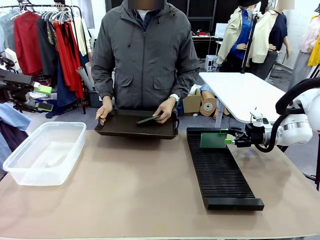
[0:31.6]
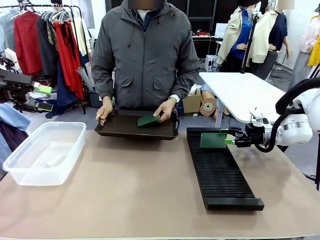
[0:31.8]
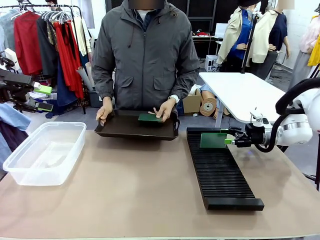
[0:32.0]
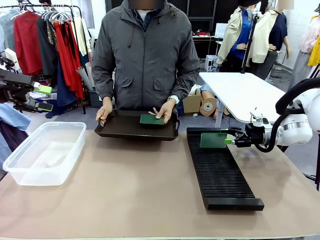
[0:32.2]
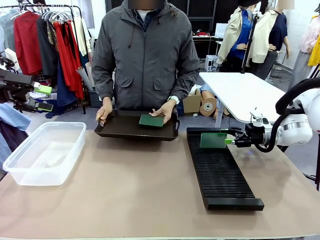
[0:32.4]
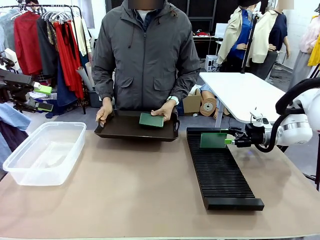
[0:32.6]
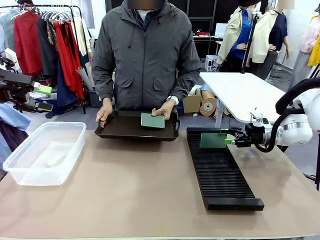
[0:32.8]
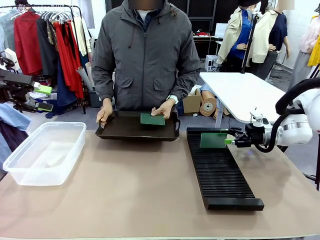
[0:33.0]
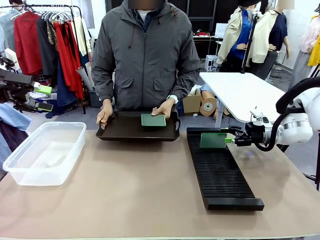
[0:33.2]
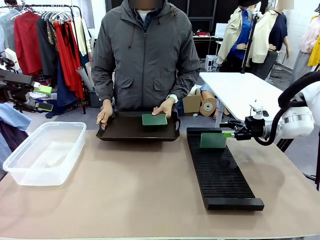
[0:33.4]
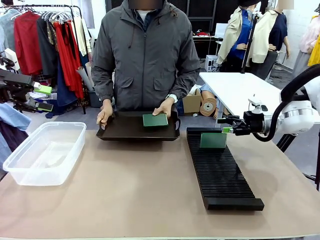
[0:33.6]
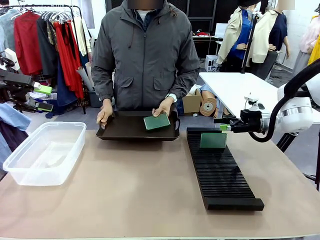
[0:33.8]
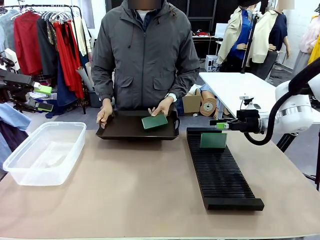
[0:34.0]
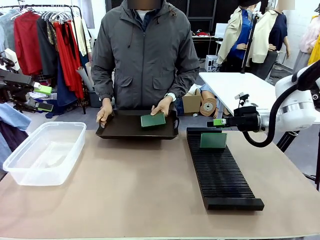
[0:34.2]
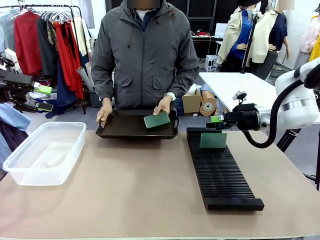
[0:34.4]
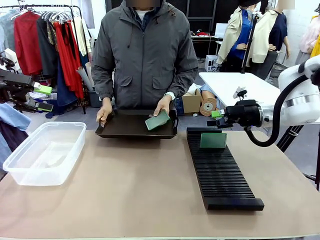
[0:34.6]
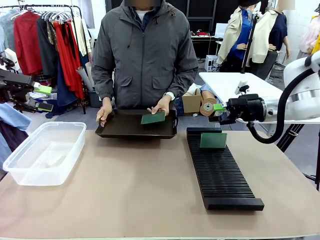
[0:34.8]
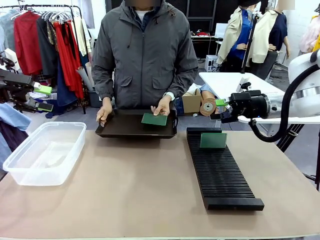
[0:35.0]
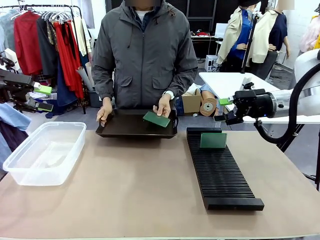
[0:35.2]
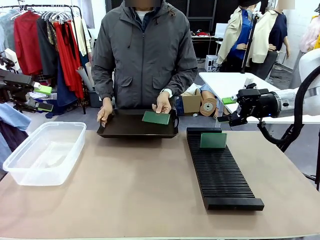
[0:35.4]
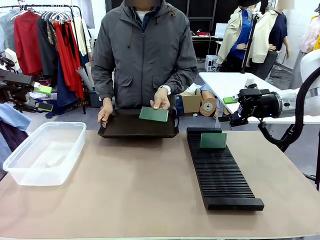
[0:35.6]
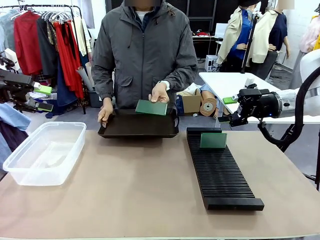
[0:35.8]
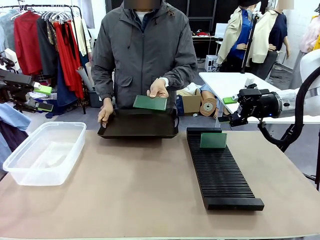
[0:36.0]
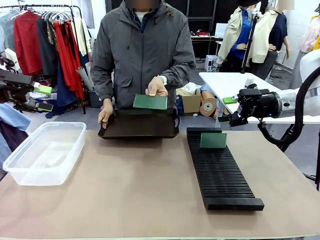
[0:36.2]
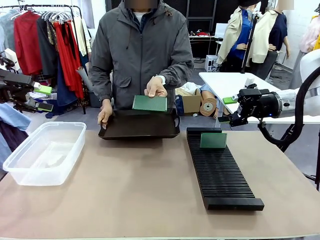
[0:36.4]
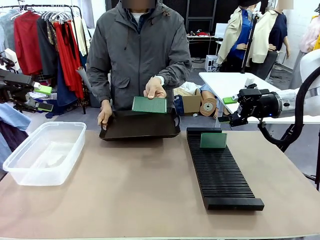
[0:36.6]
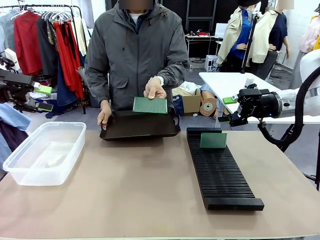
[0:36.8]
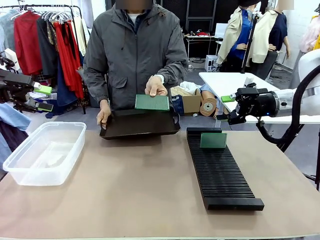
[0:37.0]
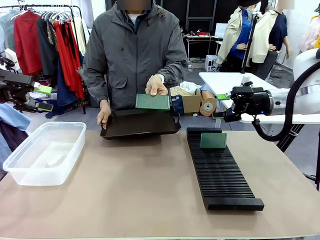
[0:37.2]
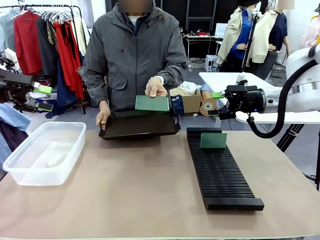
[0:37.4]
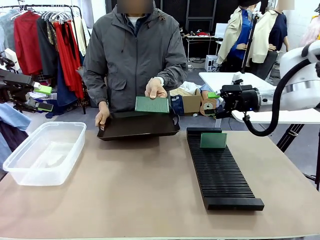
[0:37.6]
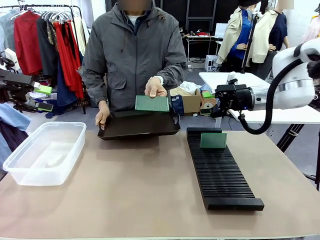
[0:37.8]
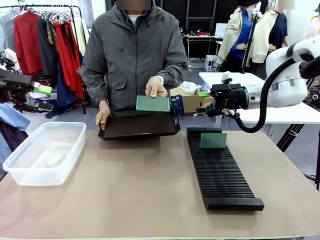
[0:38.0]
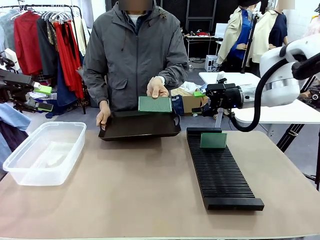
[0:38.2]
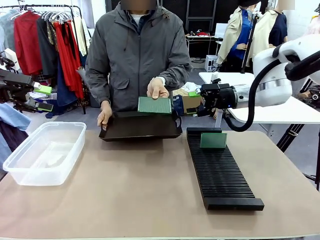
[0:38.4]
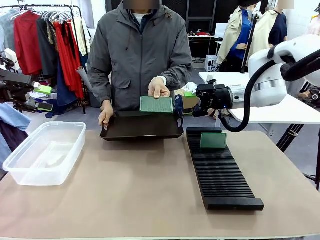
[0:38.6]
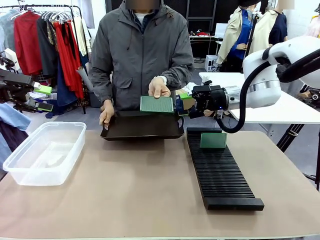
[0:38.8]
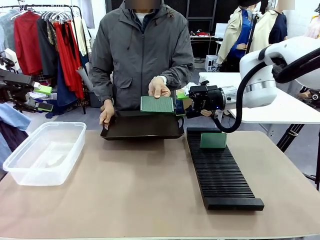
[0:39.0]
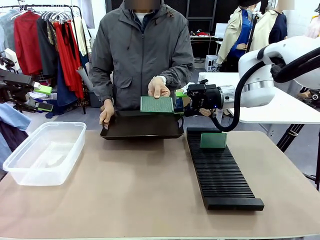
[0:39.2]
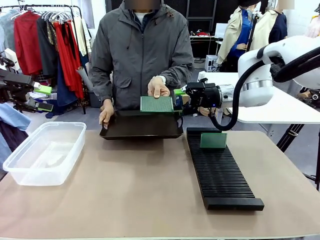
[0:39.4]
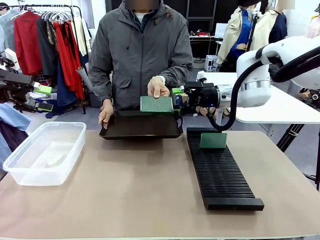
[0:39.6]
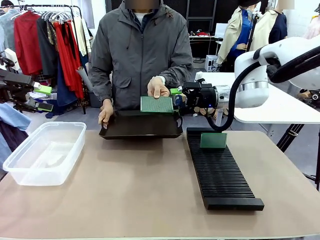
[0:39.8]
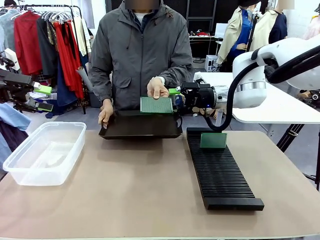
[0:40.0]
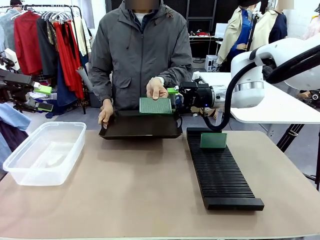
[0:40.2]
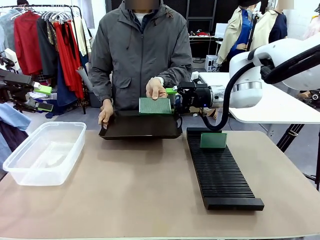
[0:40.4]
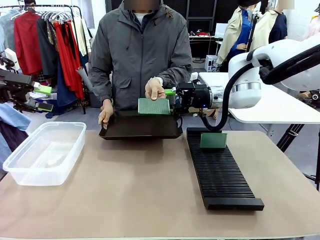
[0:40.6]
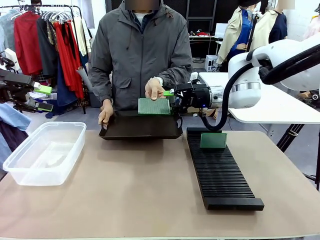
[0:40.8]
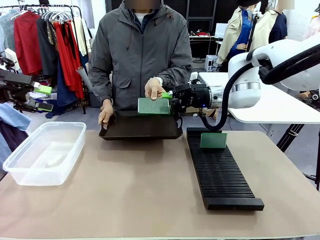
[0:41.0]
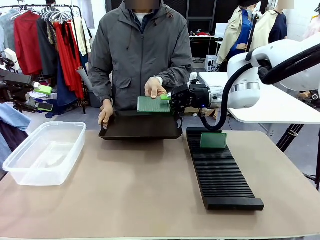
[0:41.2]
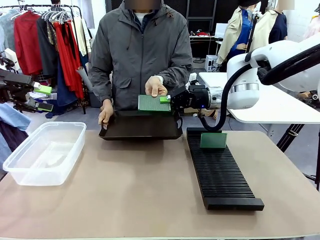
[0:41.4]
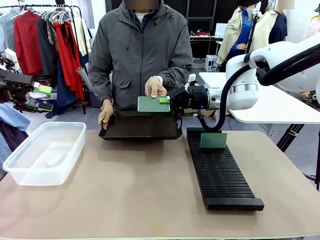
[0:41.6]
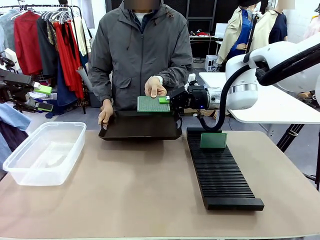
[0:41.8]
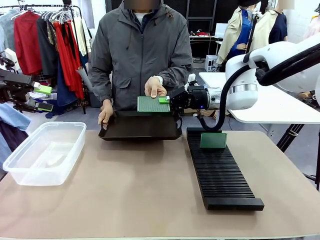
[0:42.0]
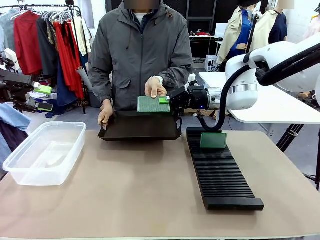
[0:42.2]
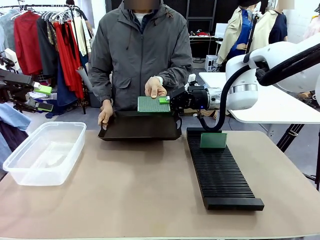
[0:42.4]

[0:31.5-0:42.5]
Task: Sort PCBs into racks and boxes based on the side picked up.
Robot: Pick up the Blank PCB handed by the Human.

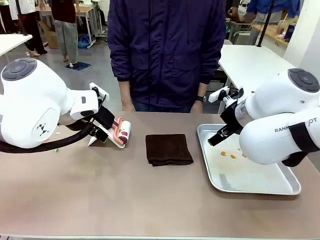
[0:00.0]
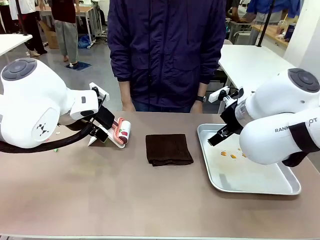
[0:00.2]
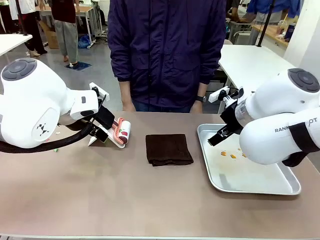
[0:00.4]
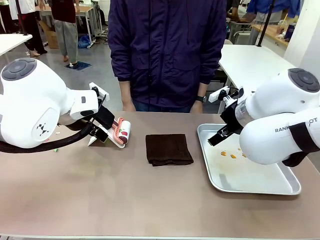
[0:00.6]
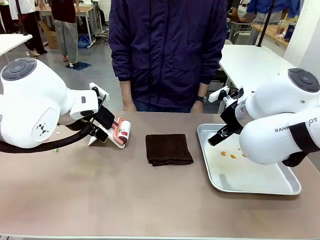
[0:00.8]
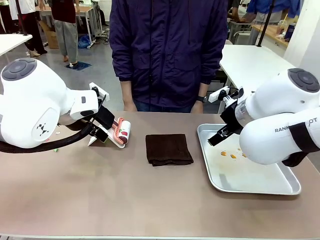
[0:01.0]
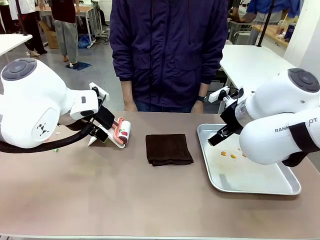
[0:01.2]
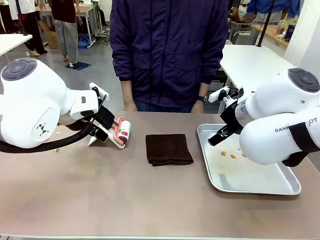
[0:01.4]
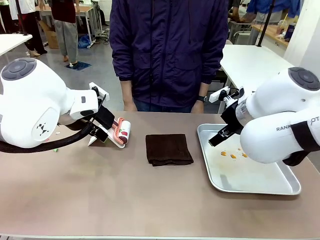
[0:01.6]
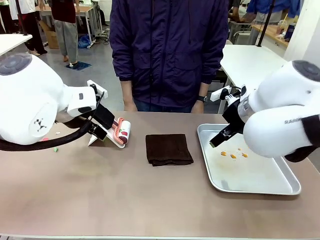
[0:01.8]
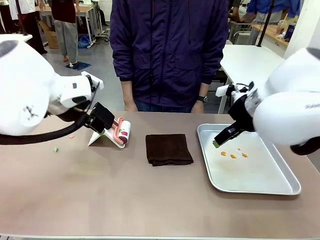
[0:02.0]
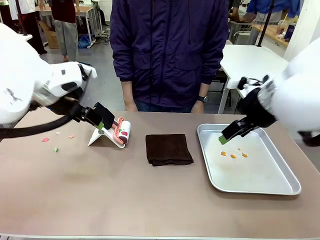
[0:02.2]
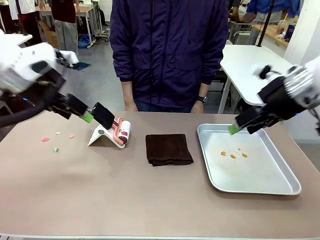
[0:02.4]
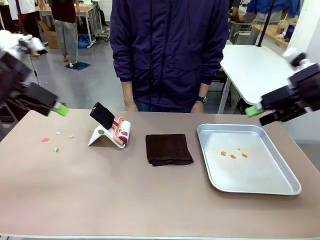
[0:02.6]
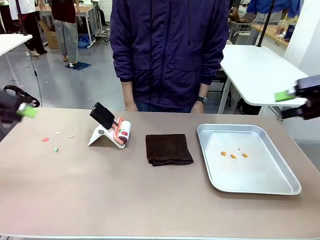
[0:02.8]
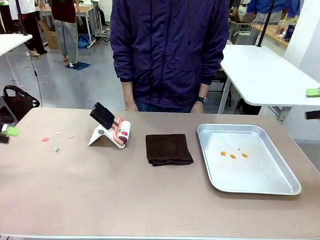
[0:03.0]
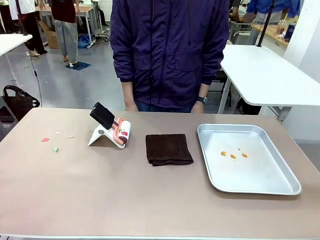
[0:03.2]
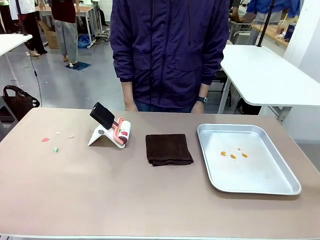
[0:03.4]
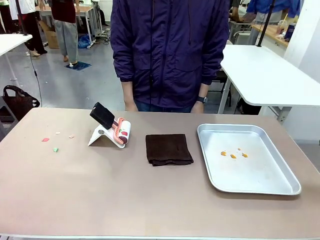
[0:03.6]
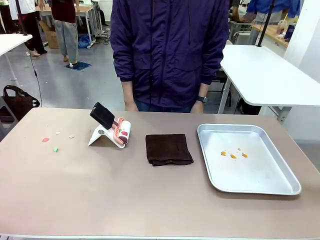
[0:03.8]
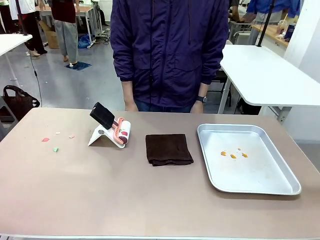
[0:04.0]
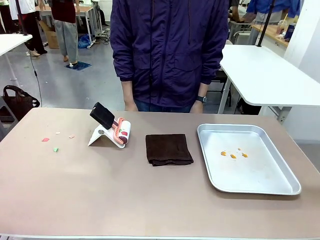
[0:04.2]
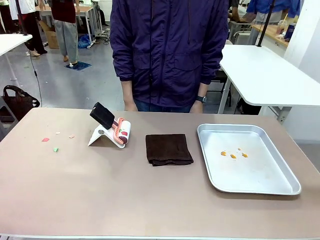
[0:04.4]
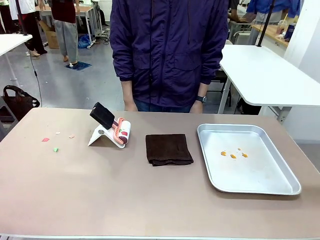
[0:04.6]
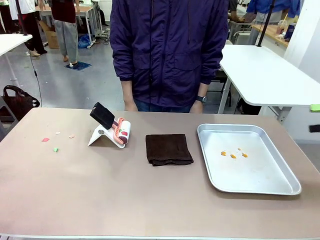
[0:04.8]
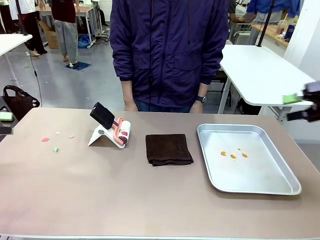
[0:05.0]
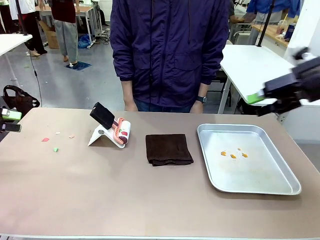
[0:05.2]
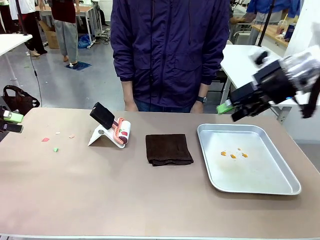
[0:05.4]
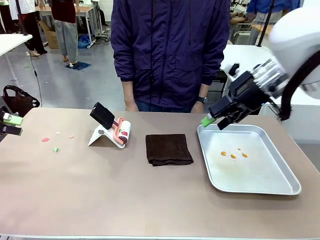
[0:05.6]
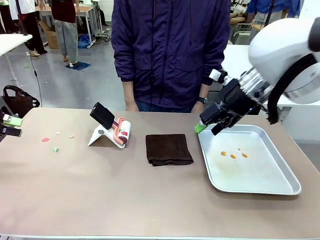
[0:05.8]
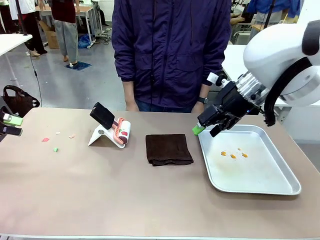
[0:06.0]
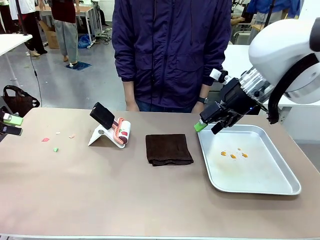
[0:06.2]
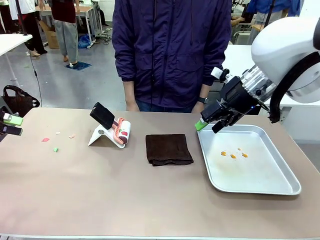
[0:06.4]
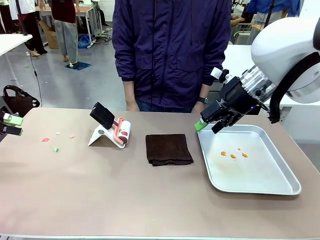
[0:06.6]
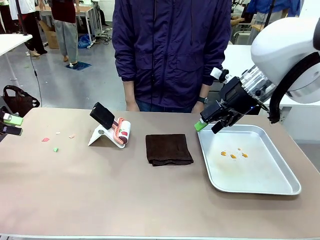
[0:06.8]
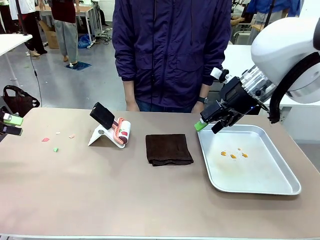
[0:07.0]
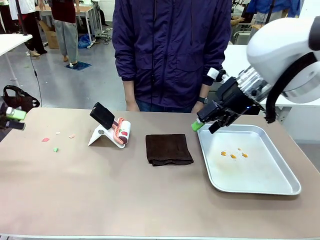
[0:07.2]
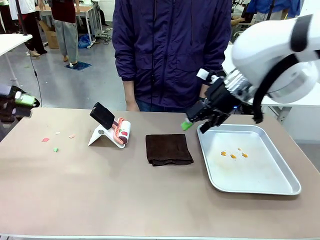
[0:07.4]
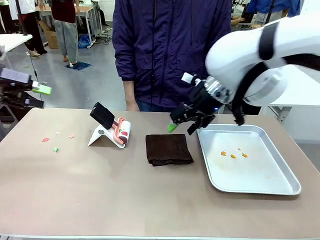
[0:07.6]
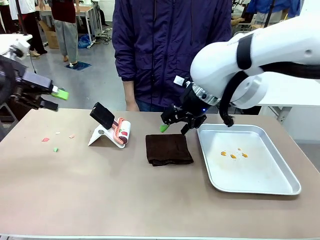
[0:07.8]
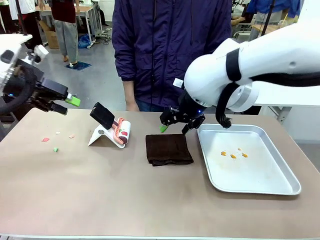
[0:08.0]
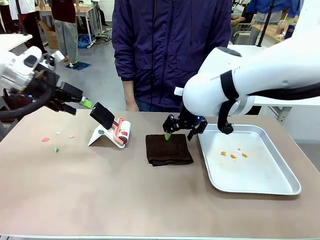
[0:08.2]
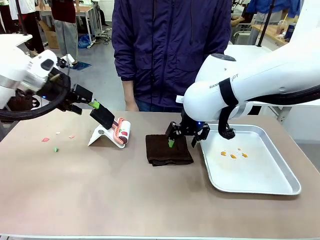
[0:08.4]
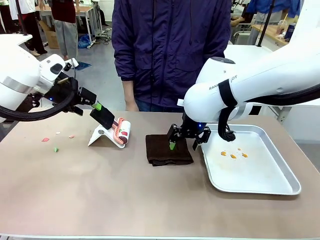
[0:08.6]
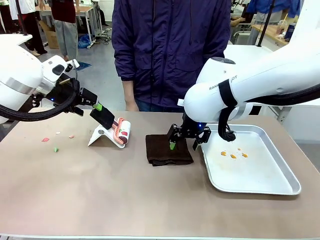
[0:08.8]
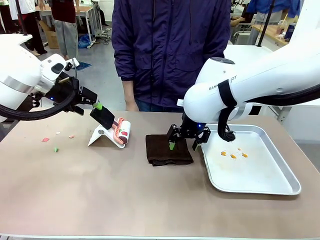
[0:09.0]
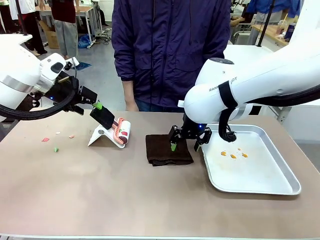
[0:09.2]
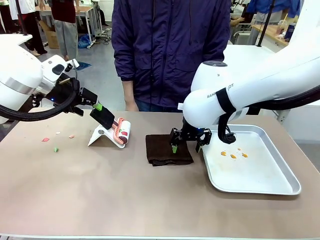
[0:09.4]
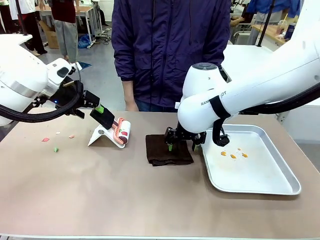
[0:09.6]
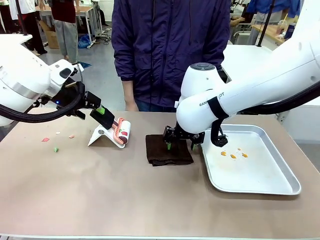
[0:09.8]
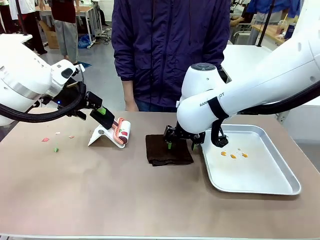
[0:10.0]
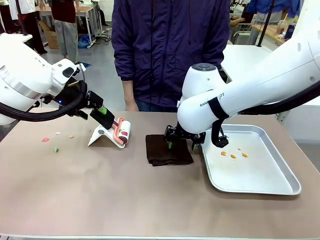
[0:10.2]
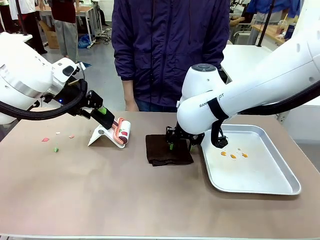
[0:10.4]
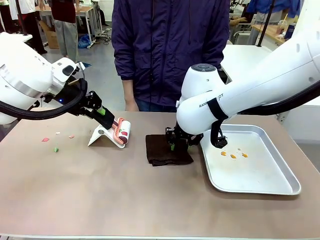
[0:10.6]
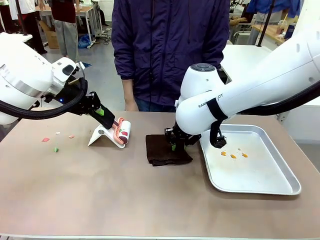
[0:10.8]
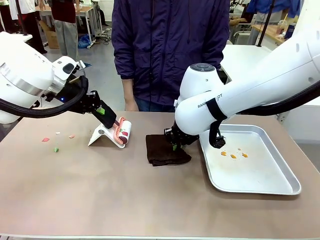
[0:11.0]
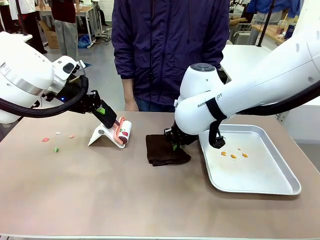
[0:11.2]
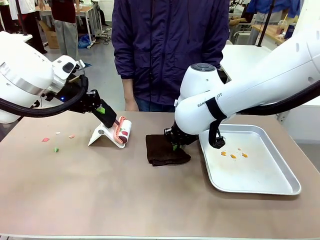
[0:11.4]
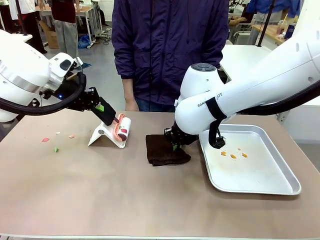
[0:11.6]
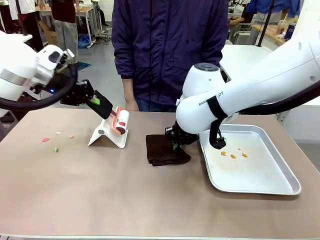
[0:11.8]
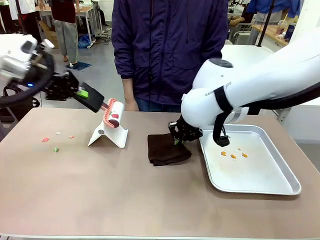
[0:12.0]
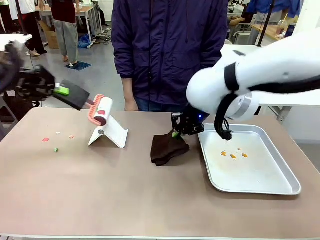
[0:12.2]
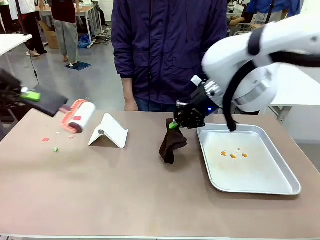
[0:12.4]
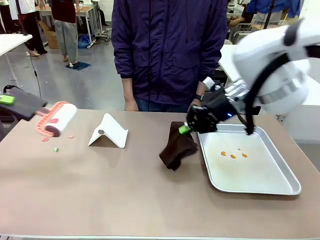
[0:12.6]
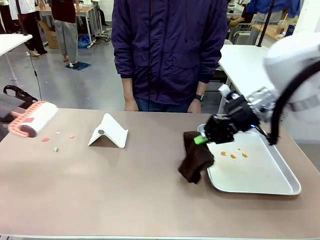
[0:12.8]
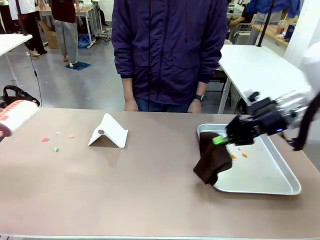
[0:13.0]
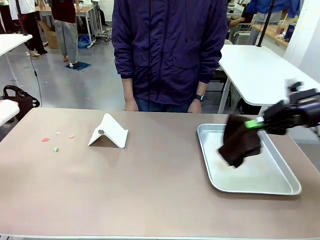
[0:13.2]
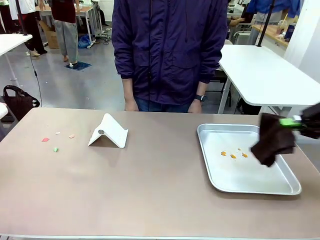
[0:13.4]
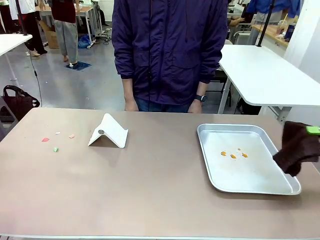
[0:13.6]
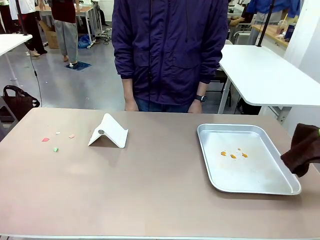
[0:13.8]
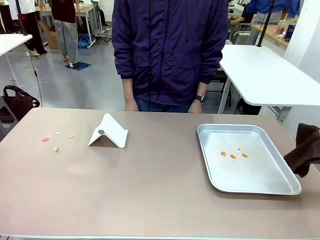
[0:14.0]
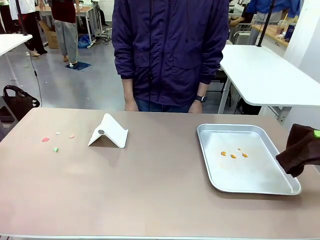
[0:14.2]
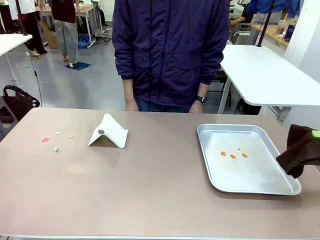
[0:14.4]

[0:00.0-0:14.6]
Task: Clean the surface of the table.
Robot: Hold the Lint Roller with your left hand and the towel with your right hand.
